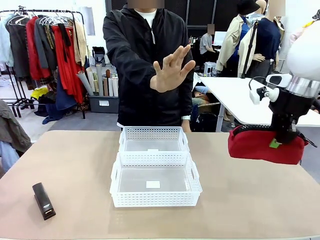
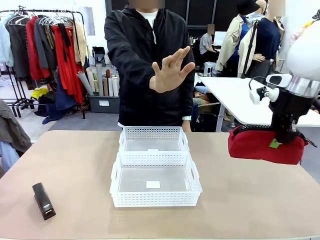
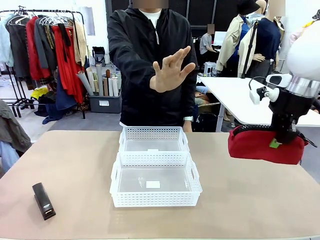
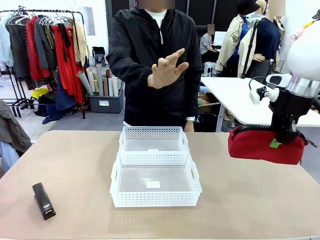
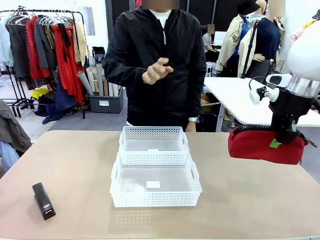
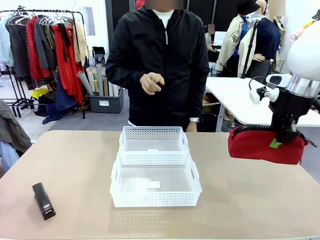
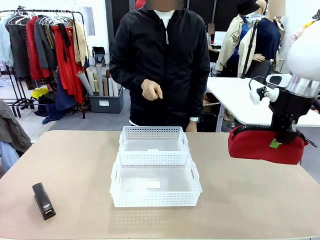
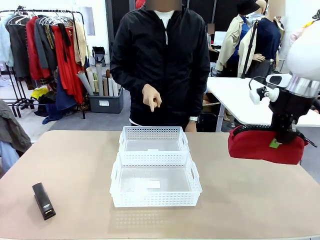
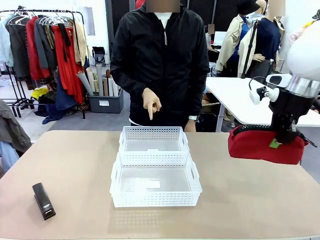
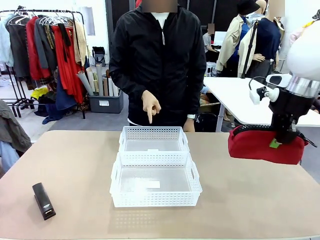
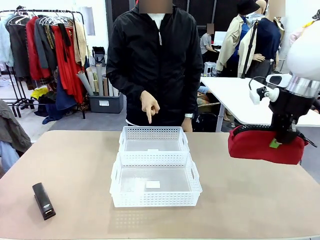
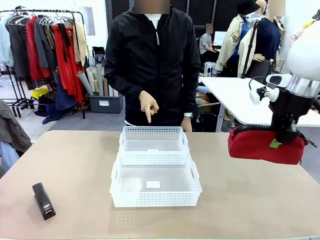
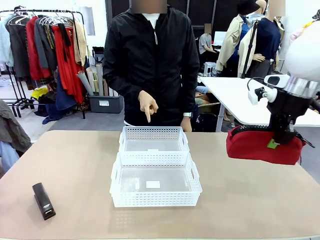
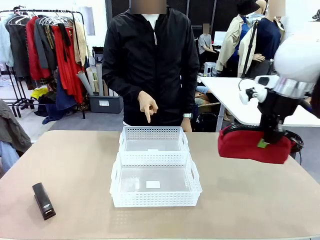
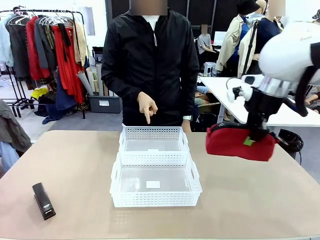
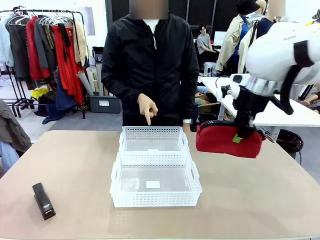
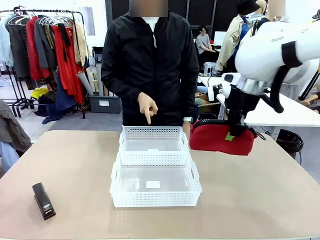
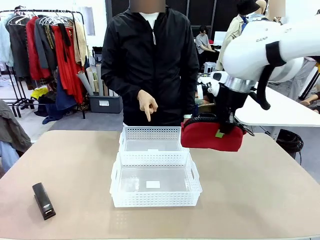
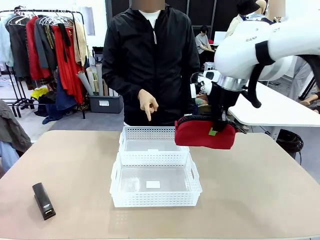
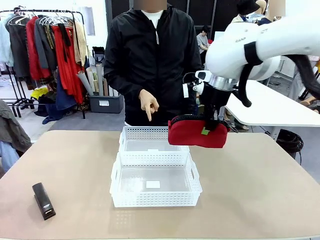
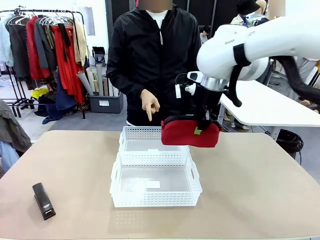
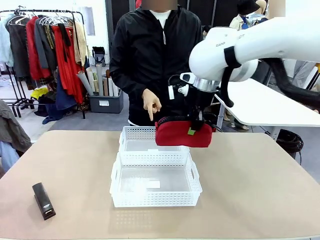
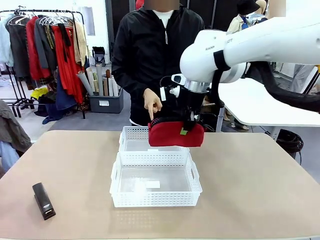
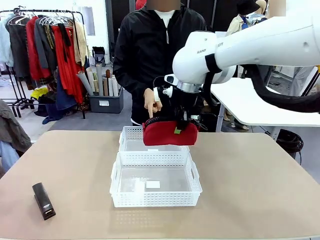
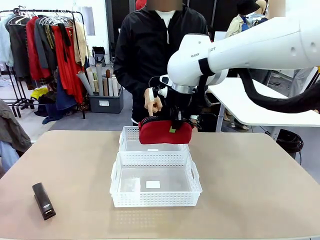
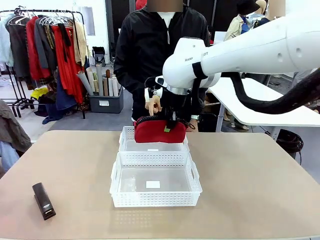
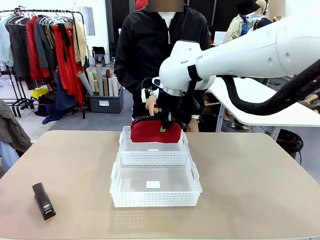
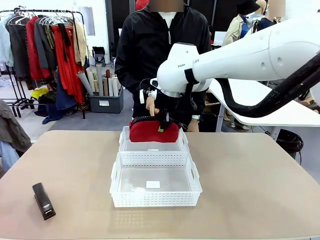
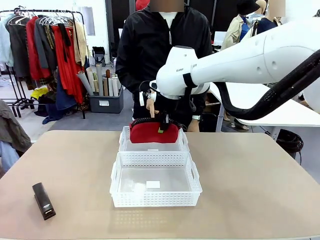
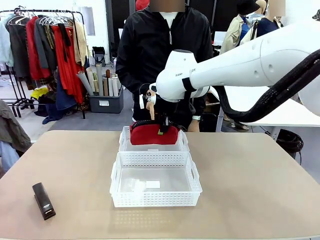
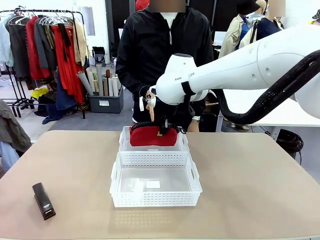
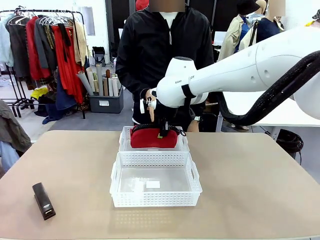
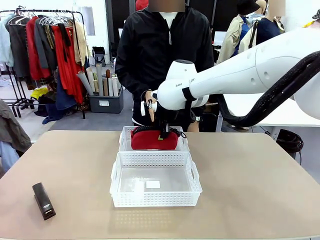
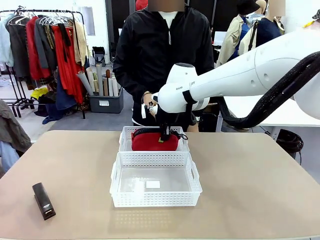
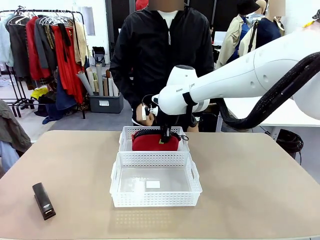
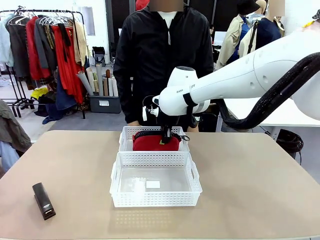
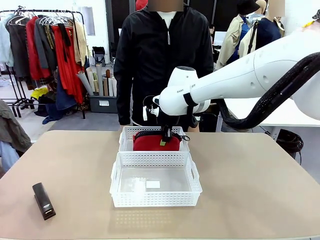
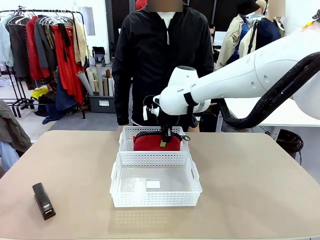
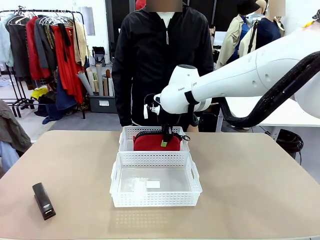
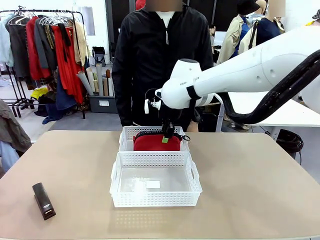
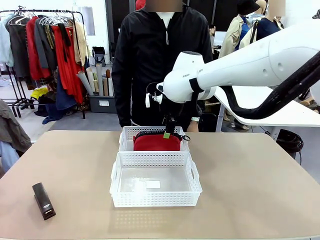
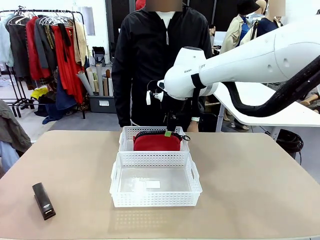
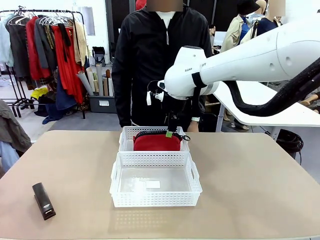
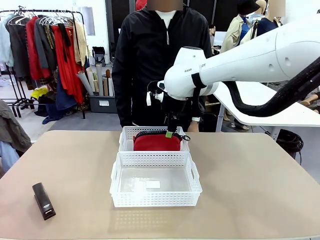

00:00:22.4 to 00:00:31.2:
Task: Distribute items into two baskets.
Robot: Place the picked Pencil pouch into the Organizing basket as instructed by the person.
Person: Instructs the robot to place the pencil case into the opposite basket. Points to the stapler.

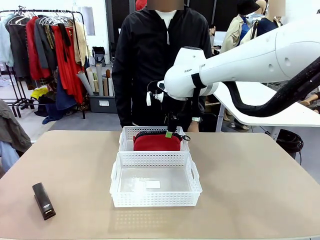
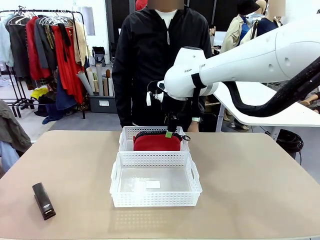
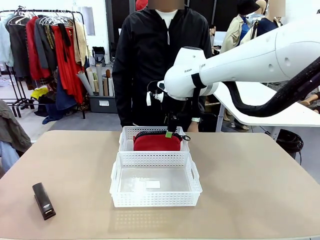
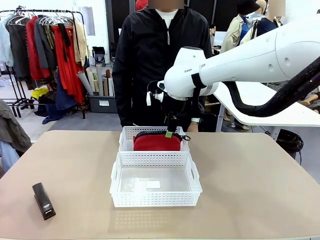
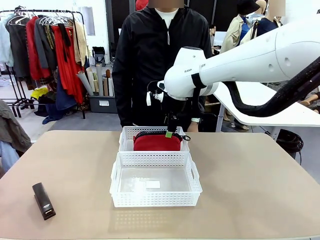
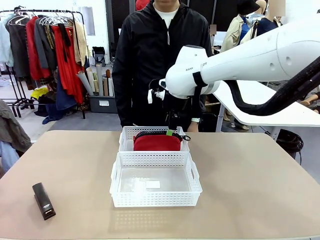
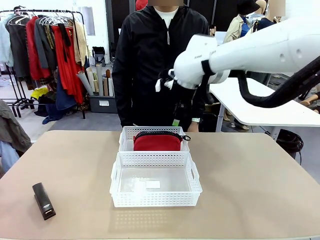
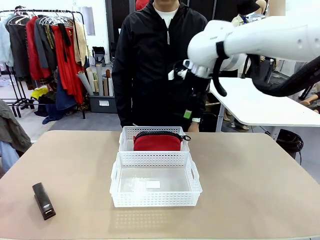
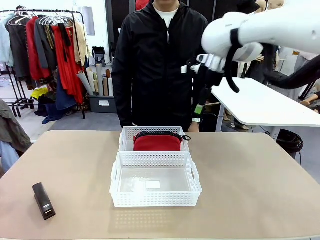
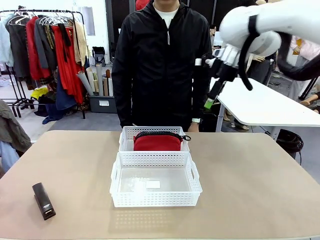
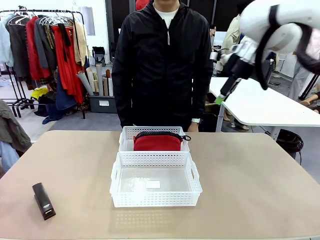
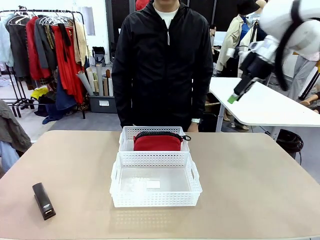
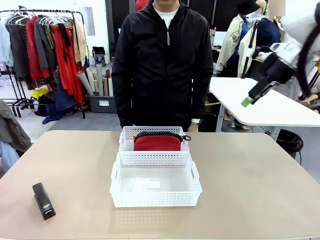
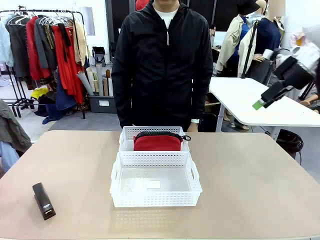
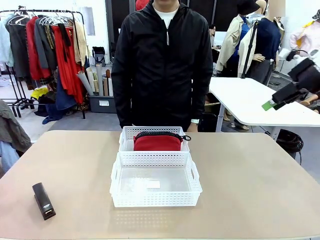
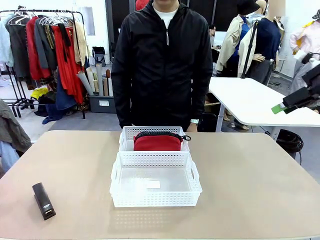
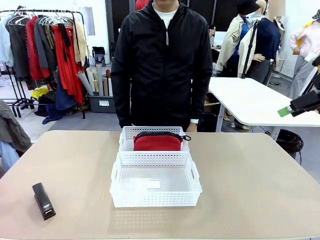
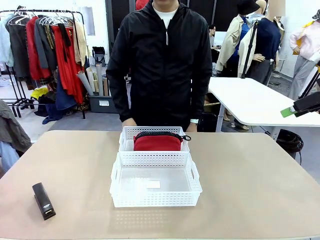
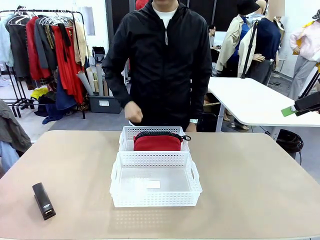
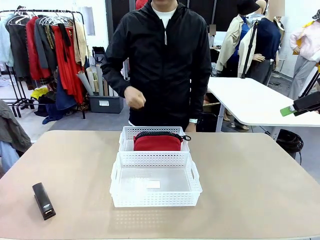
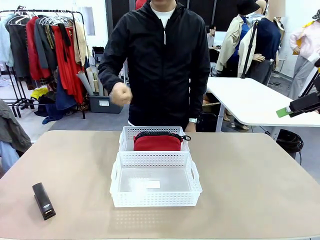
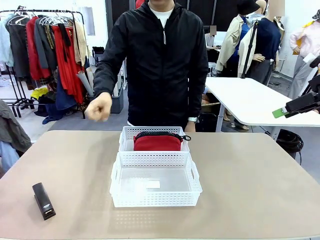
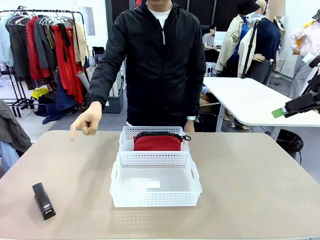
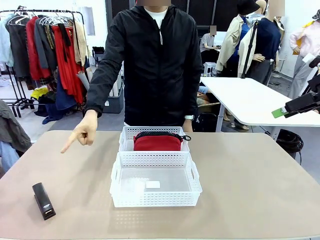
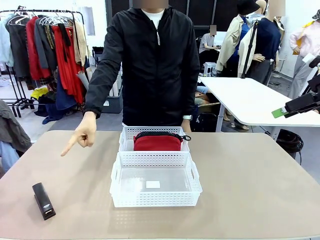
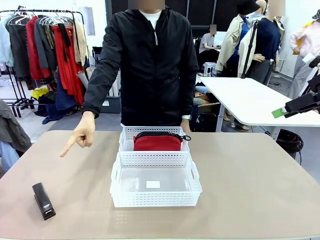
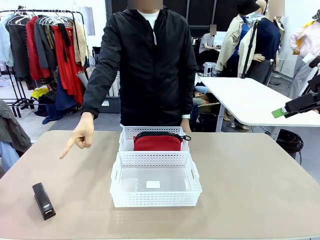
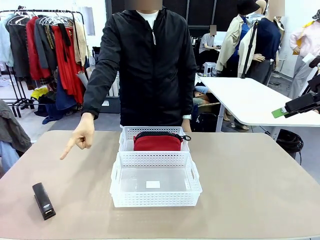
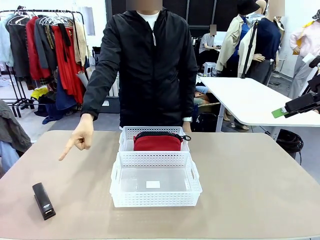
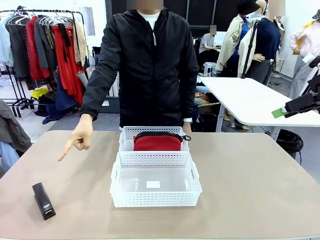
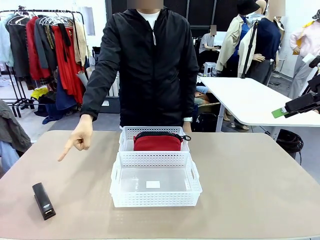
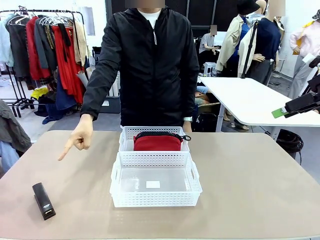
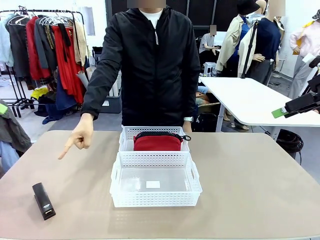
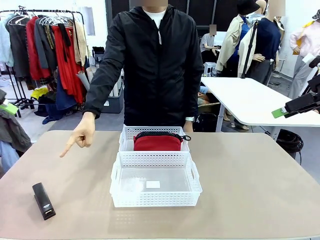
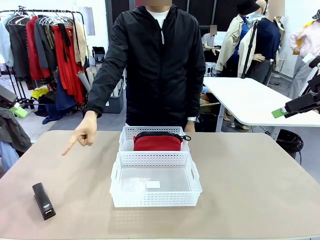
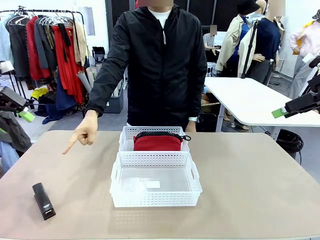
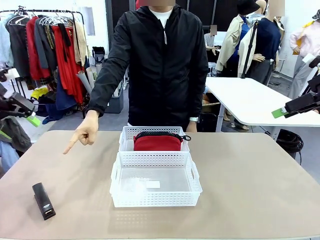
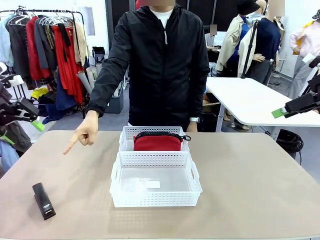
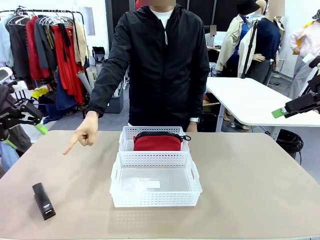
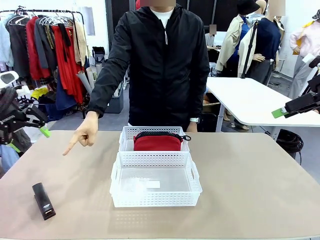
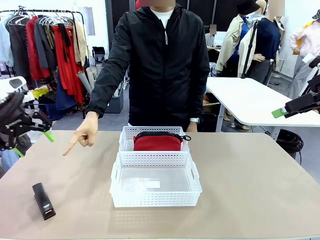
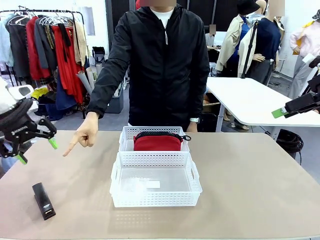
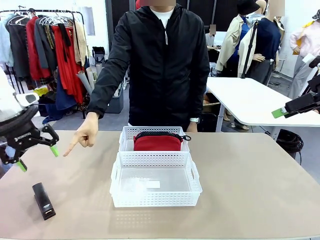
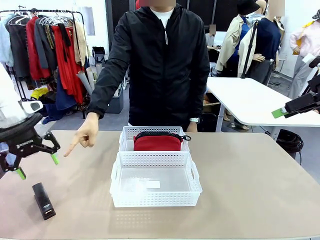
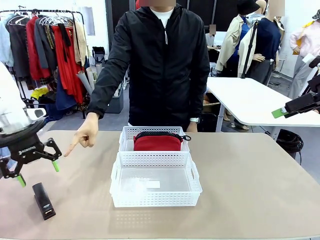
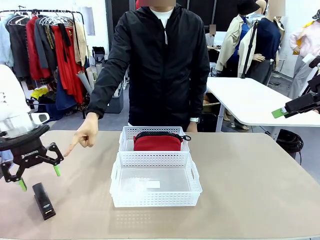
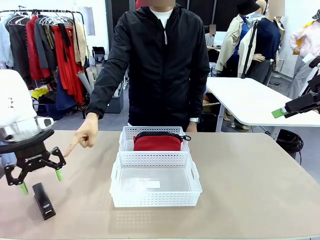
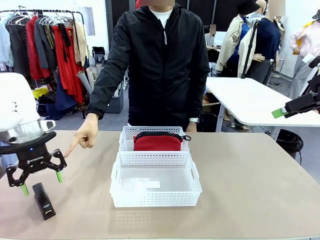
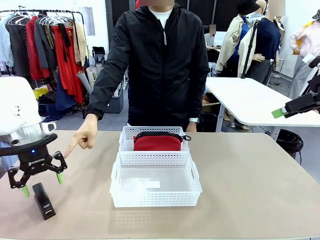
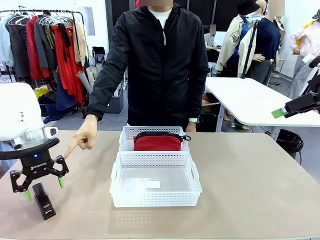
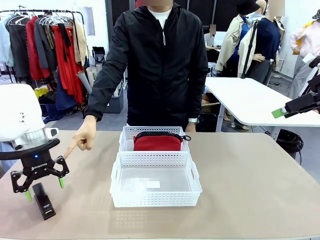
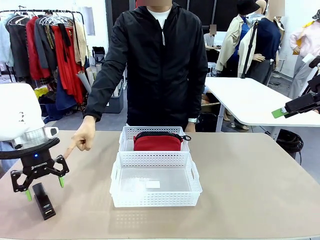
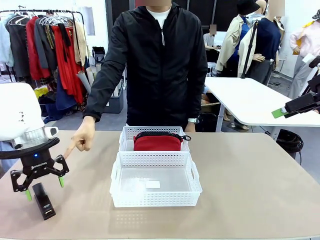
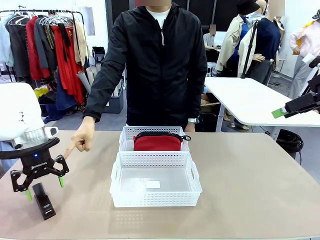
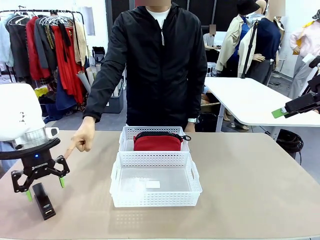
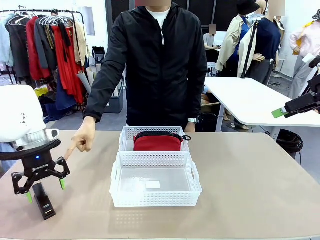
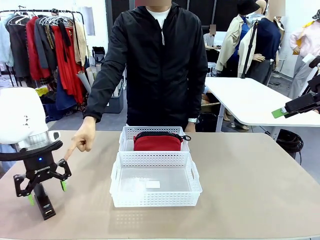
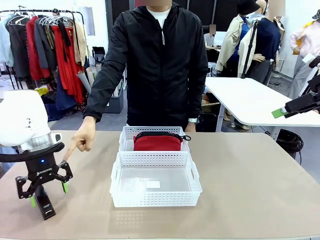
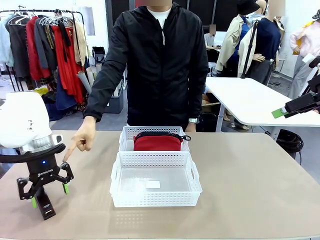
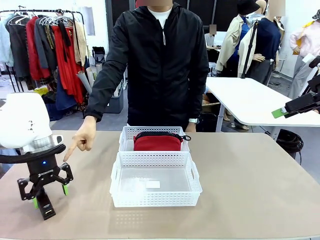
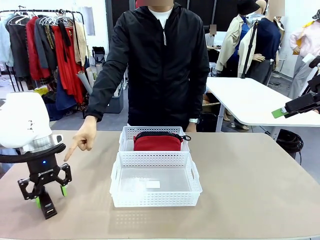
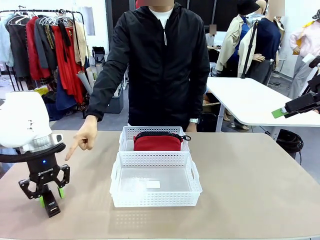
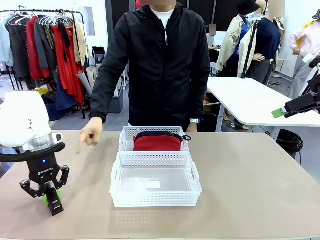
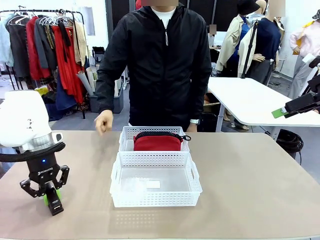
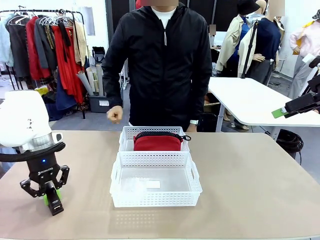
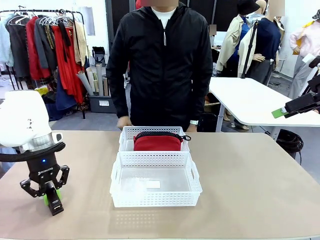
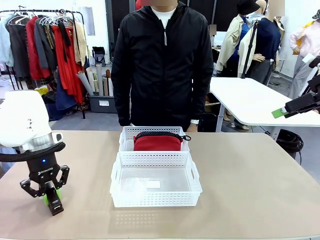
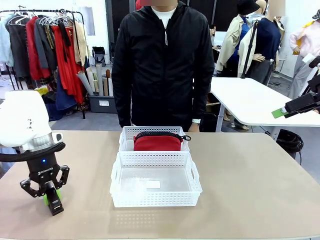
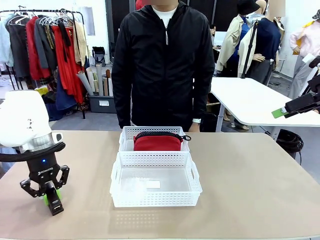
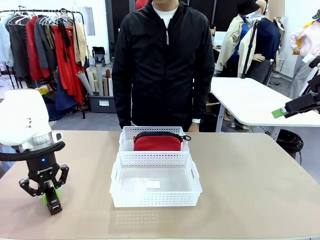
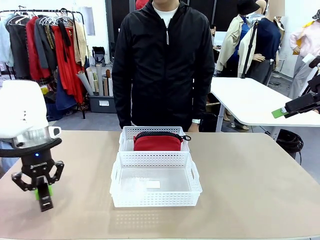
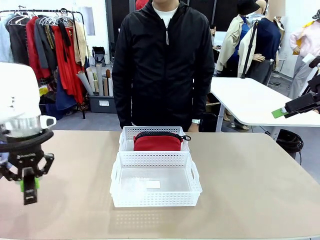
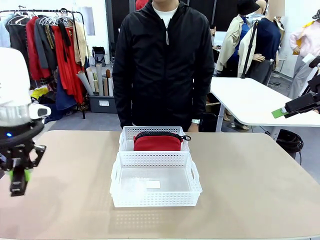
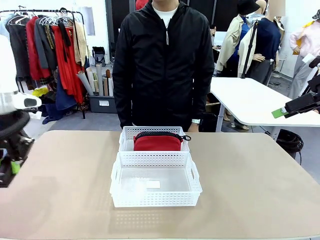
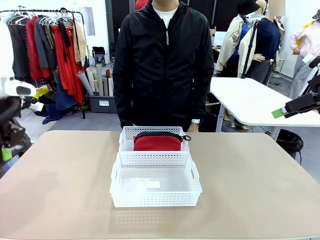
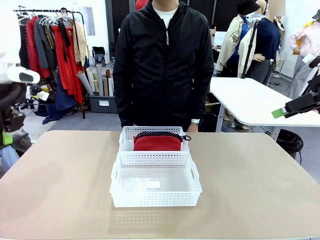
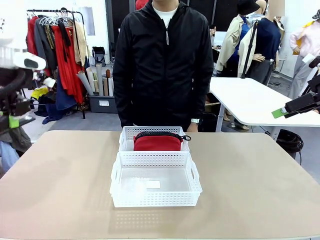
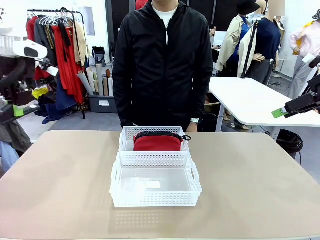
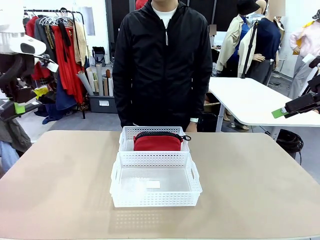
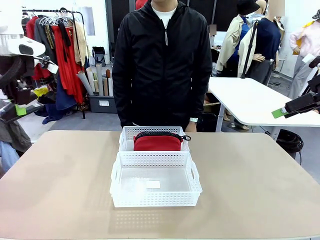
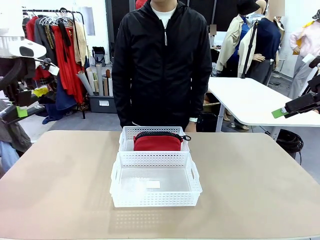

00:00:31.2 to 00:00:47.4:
Robot: Pick up the Stapler that the person points to.
